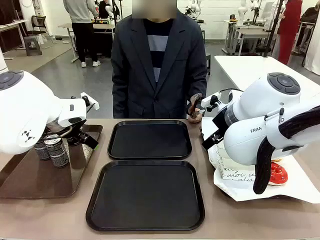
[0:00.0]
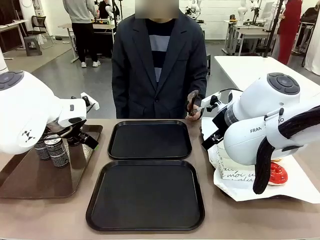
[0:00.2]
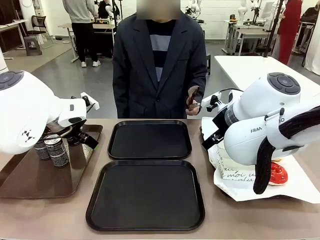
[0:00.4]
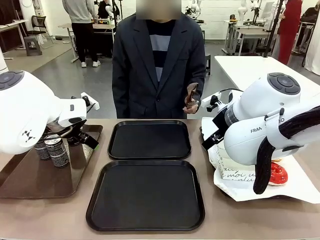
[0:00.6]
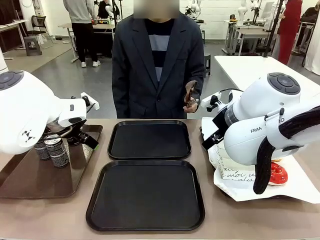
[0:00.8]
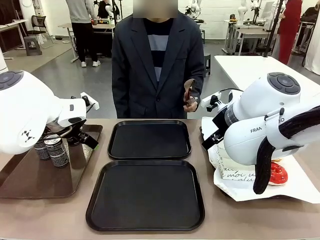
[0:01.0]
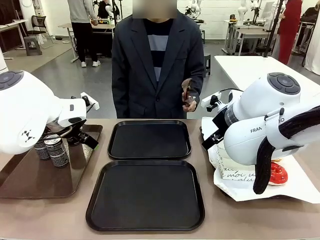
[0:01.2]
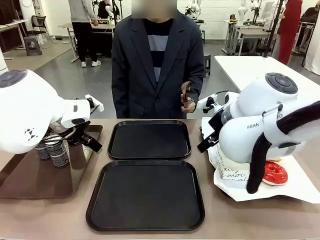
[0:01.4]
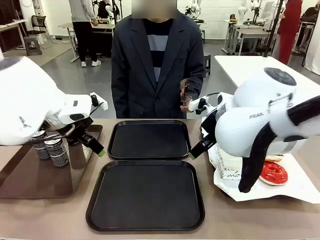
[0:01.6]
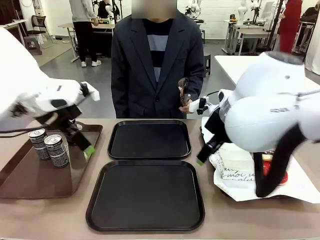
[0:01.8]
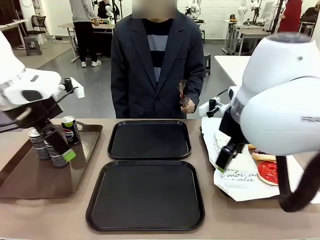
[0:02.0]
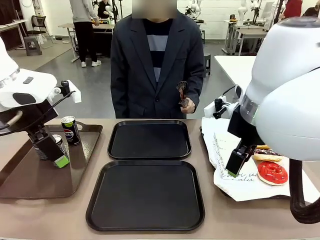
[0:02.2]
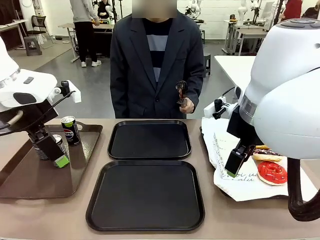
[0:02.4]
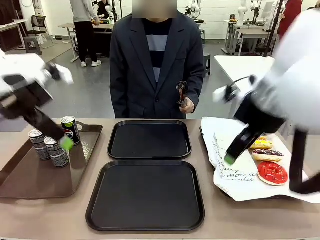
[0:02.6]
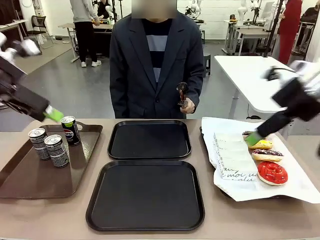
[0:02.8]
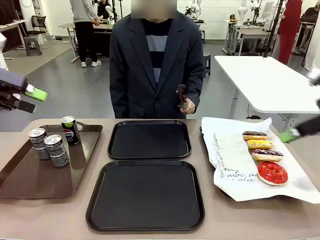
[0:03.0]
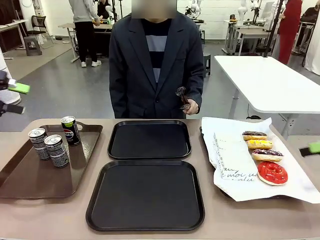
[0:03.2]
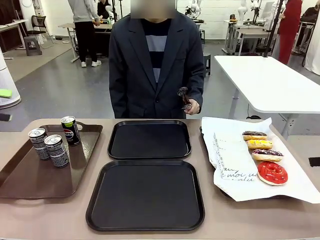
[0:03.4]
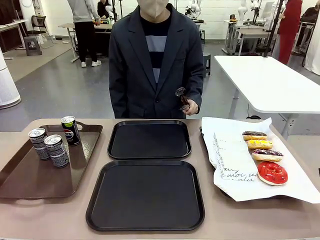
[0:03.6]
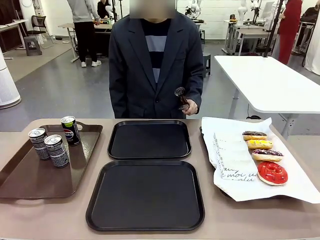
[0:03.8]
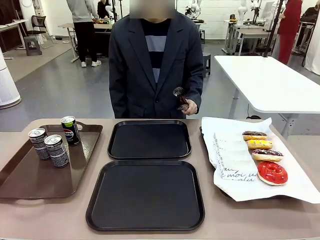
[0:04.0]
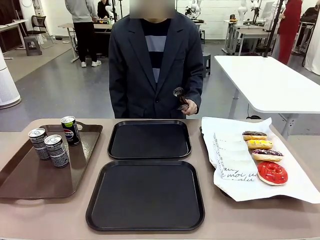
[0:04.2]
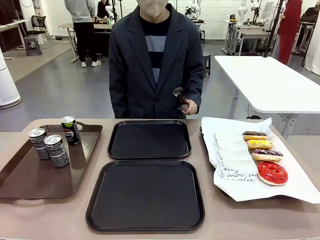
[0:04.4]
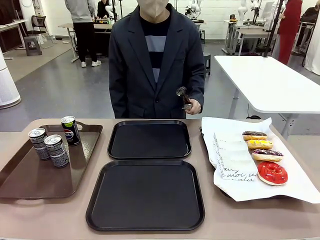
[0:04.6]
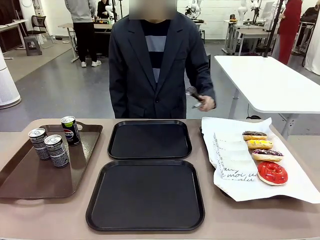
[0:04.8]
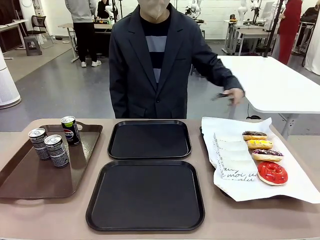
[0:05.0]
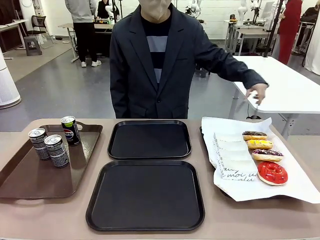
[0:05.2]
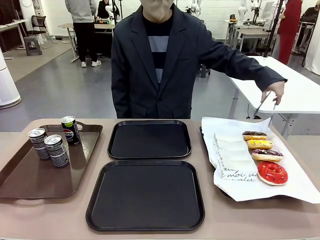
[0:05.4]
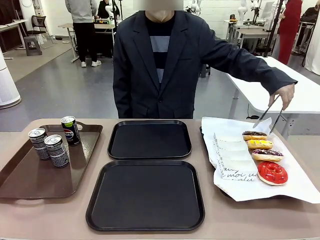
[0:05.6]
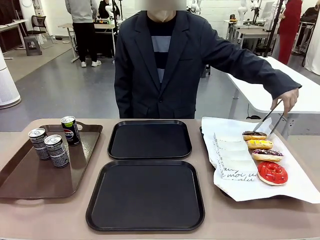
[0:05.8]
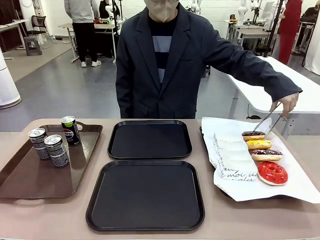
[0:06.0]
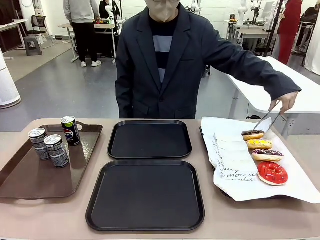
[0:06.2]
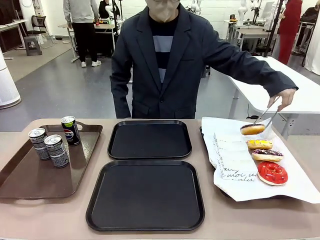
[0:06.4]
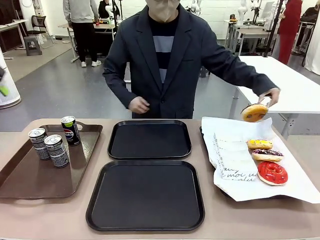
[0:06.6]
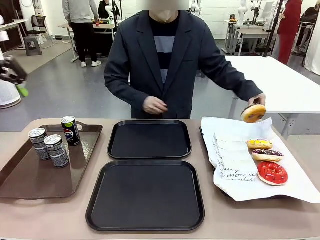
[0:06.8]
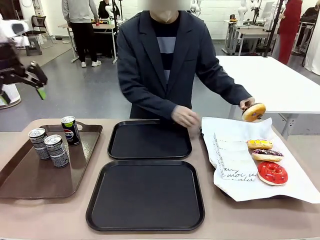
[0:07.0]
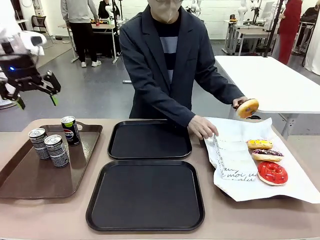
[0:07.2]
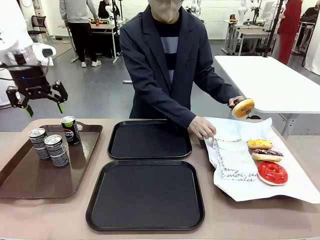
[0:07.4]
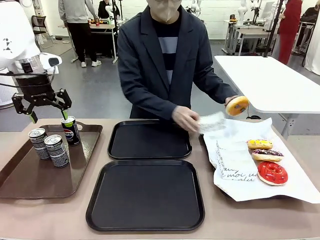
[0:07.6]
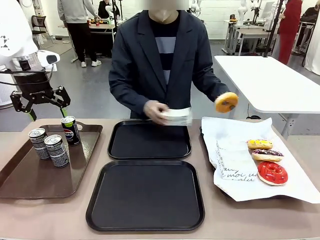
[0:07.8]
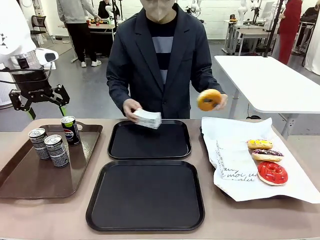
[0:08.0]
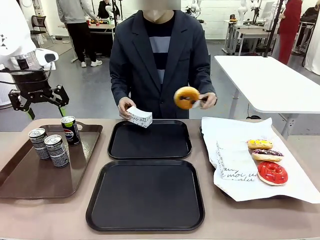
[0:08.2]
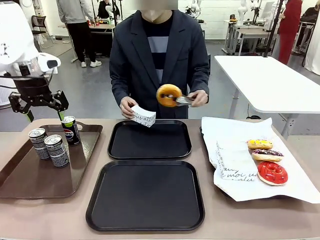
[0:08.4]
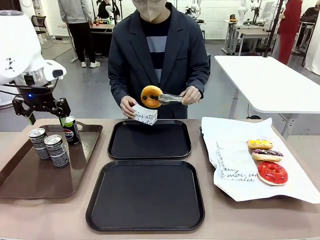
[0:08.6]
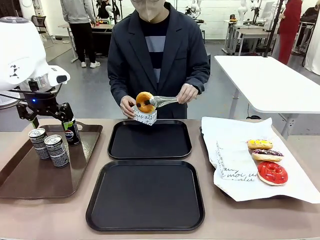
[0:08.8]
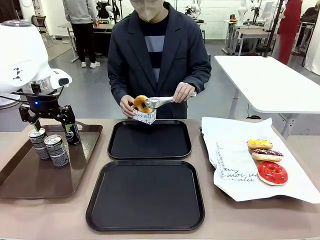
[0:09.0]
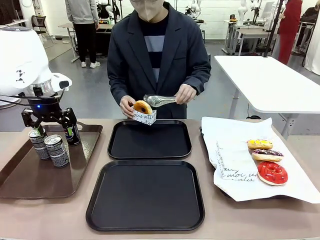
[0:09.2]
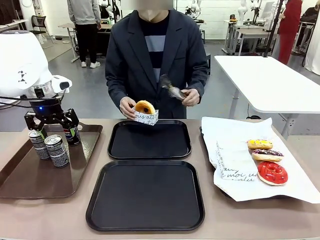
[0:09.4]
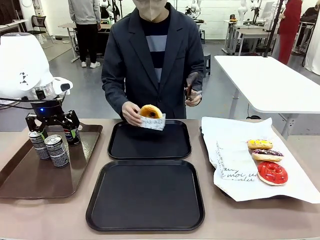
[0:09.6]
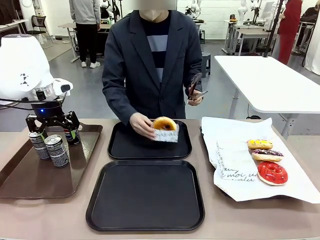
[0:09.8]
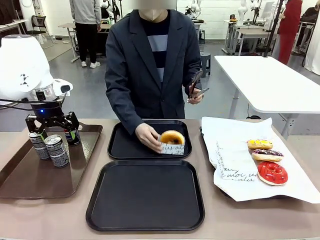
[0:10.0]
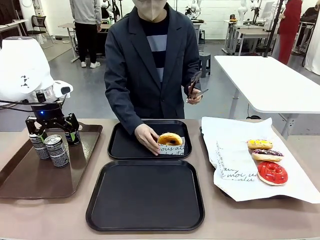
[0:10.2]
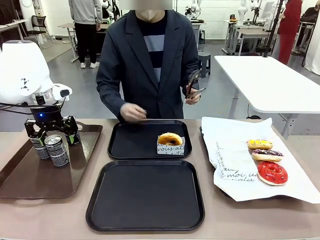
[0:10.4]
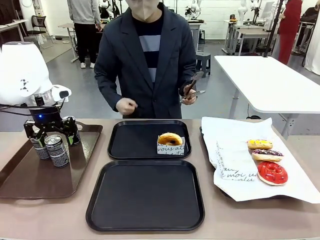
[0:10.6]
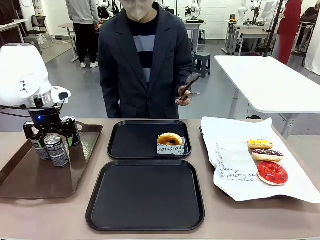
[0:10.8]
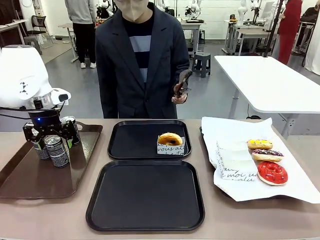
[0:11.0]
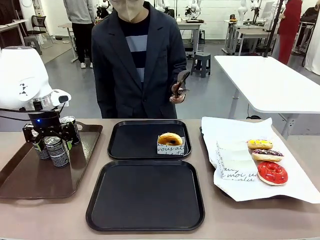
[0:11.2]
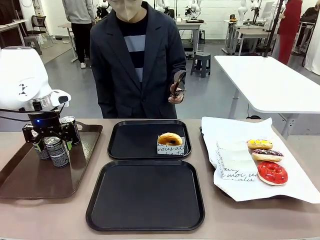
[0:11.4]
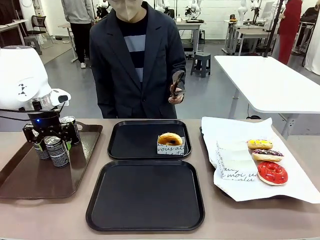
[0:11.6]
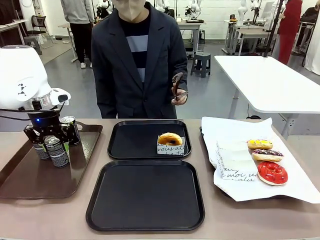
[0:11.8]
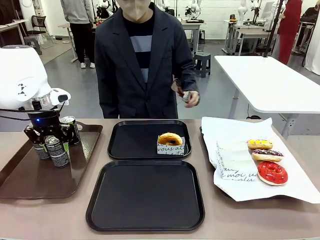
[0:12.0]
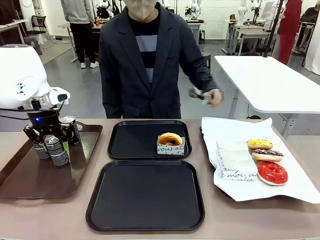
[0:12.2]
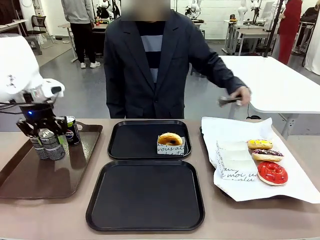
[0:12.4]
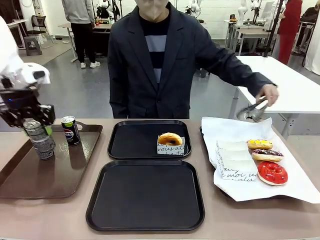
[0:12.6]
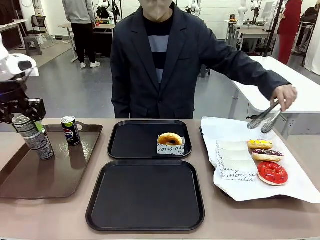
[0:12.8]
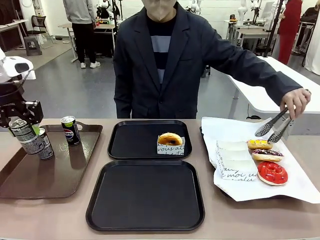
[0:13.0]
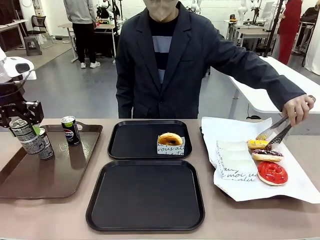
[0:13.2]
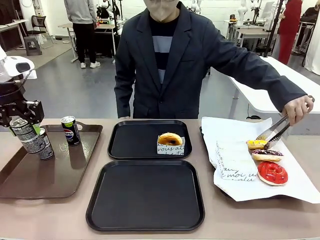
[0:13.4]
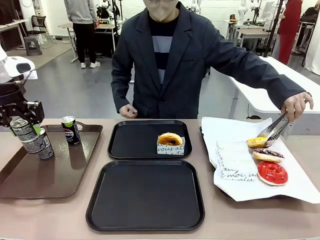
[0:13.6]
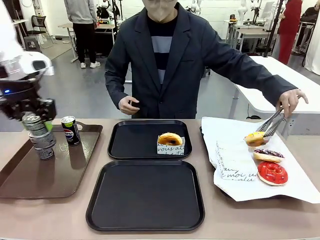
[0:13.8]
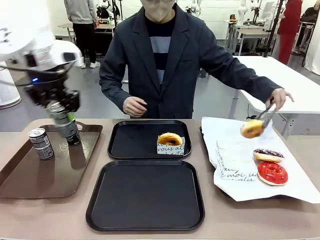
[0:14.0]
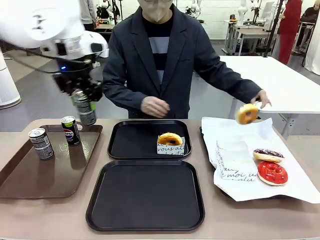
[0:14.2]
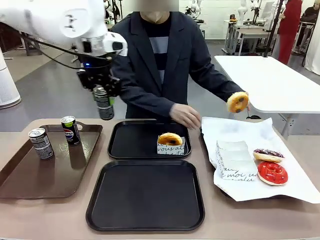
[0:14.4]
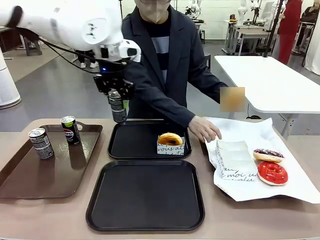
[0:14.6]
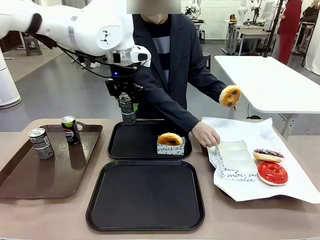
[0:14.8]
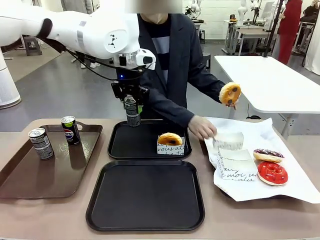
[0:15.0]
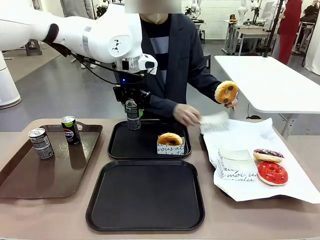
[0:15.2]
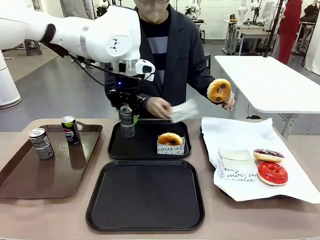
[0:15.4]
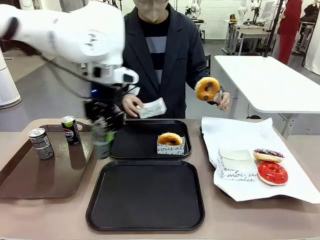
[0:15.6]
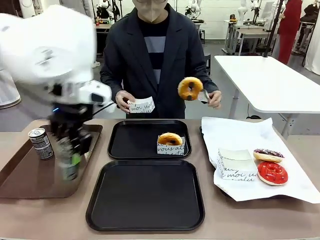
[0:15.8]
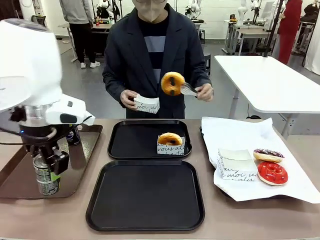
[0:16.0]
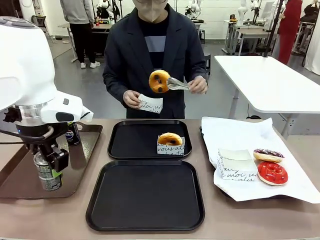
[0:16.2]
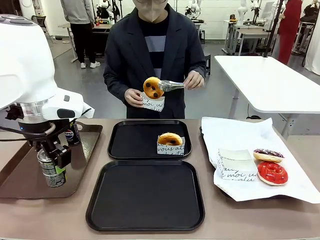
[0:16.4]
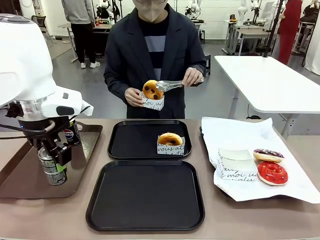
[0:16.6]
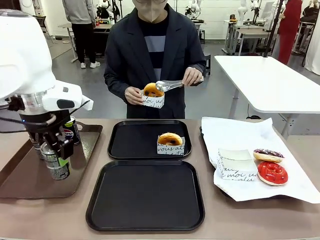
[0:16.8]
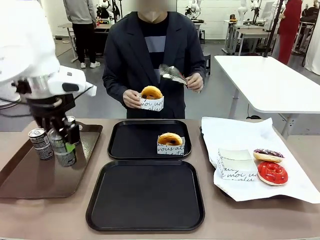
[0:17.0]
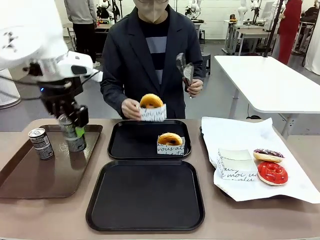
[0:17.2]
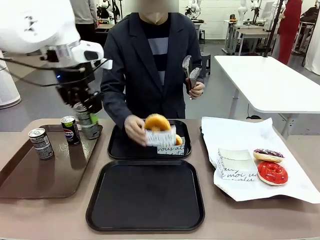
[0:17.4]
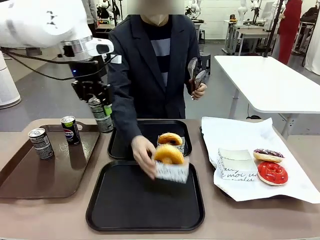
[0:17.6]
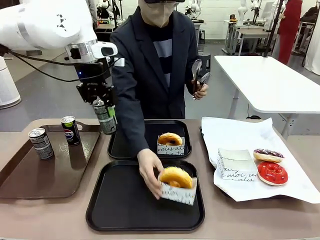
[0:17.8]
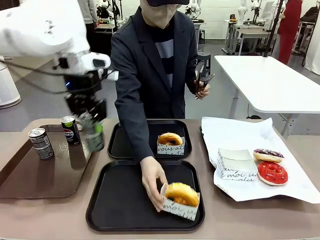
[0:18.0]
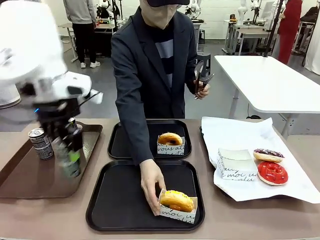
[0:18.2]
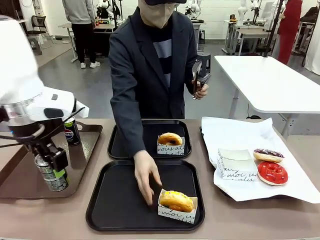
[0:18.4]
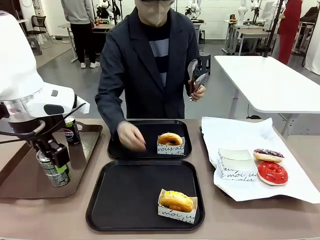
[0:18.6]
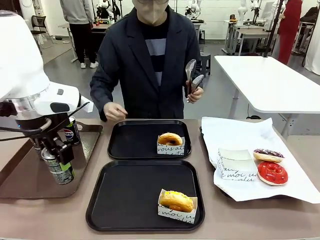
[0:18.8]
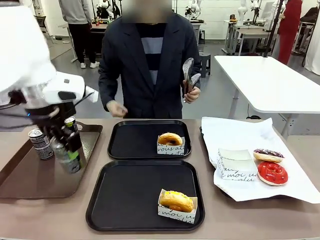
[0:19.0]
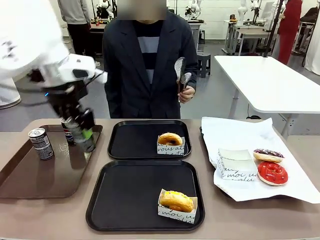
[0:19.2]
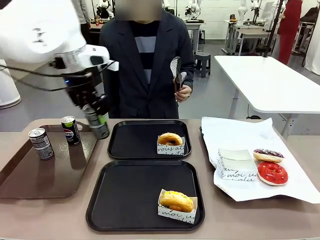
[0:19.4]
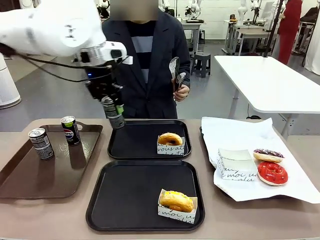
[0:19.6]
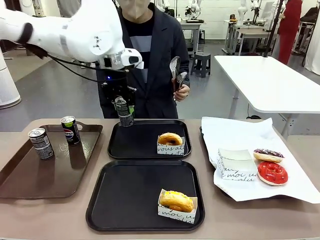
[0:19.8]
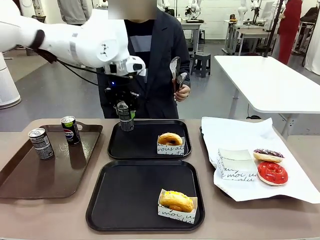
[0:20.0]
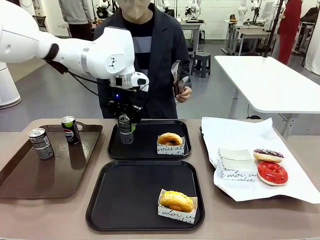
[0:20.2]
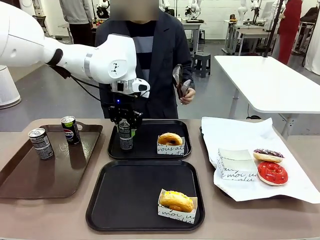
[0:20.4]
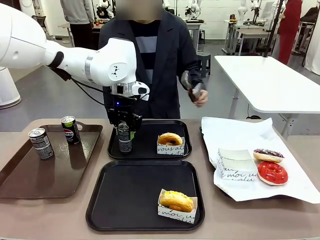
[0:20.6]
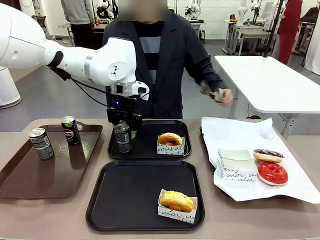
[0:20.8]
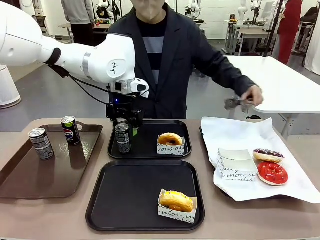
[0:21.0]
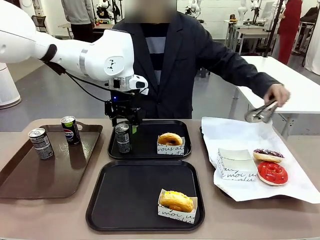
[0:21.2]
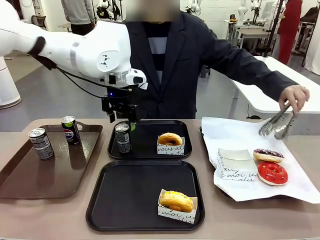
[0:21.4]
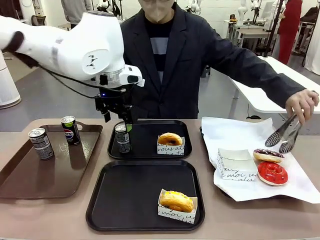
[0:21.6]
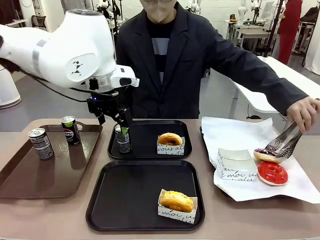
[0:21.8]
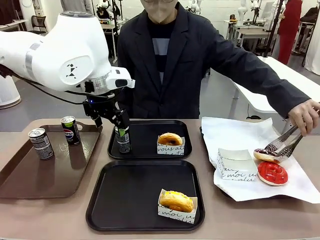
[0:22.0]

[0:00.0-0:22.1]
Task: Set up donuts and drinks on trays.
Robot: Pick up one Pepsi coke and place it on the Flat Tray.
Person: Pick up one donut with tongs, place it in the donut tray, and then place the donut tray on the flat tray.
